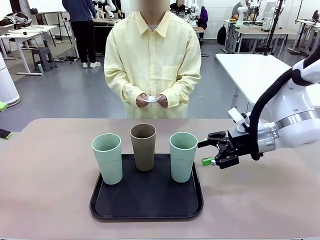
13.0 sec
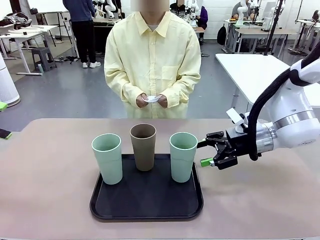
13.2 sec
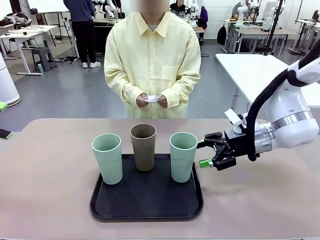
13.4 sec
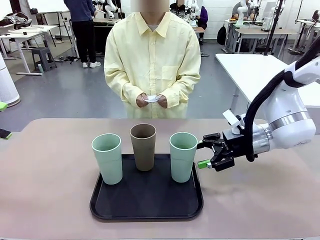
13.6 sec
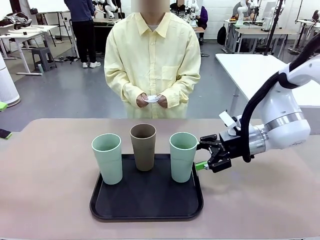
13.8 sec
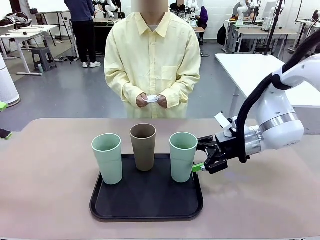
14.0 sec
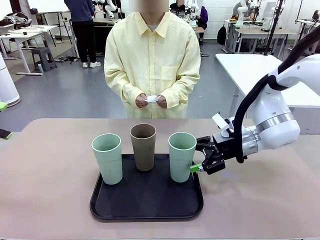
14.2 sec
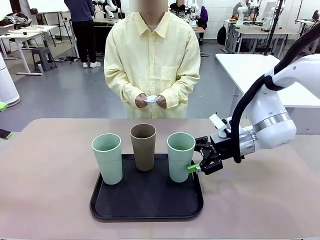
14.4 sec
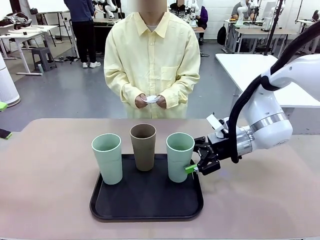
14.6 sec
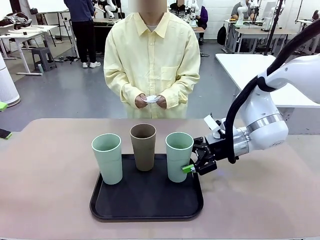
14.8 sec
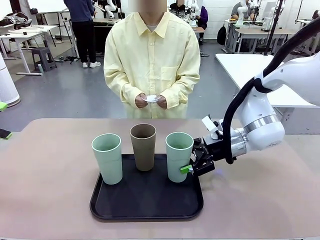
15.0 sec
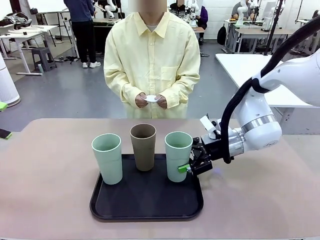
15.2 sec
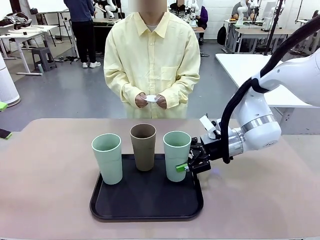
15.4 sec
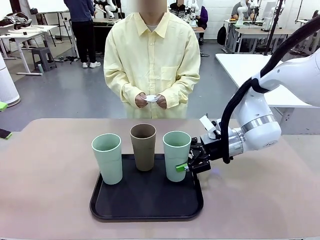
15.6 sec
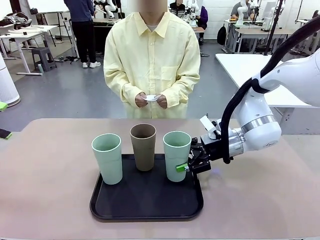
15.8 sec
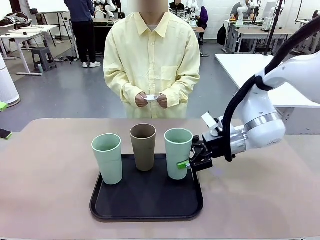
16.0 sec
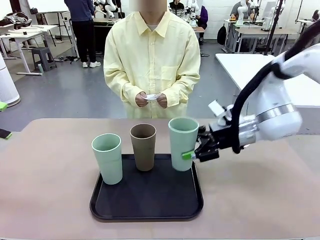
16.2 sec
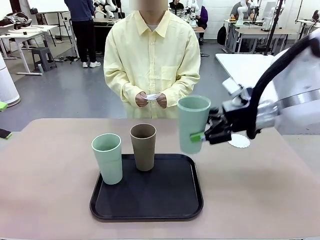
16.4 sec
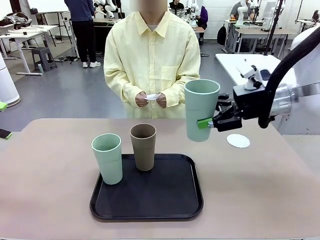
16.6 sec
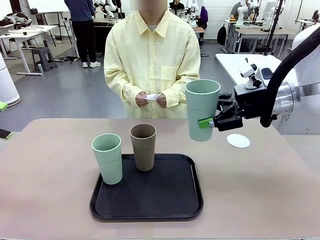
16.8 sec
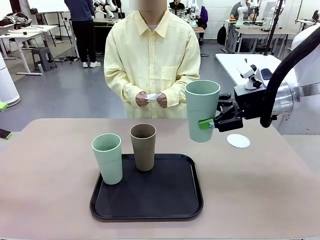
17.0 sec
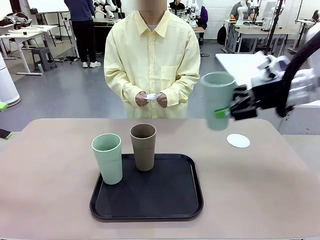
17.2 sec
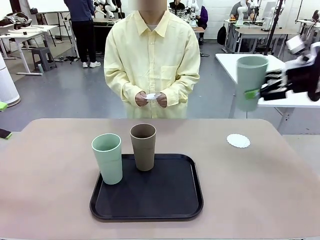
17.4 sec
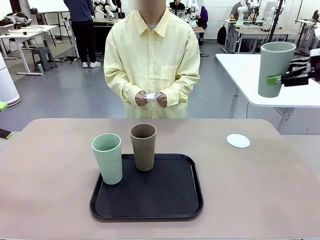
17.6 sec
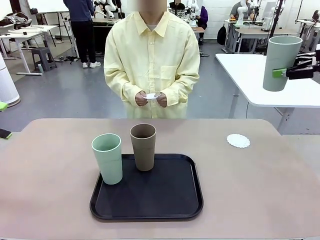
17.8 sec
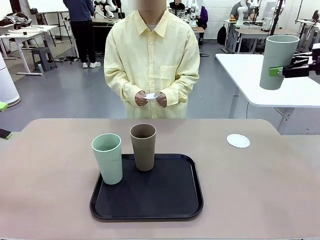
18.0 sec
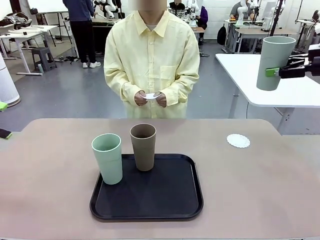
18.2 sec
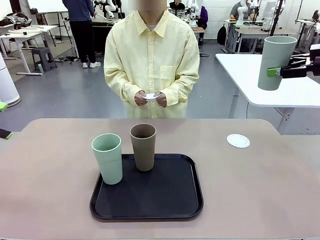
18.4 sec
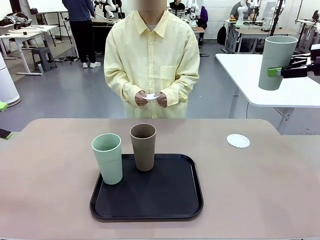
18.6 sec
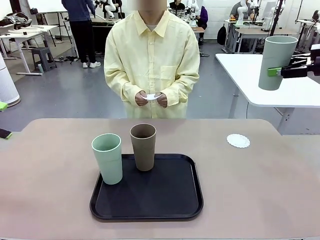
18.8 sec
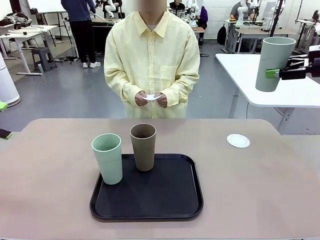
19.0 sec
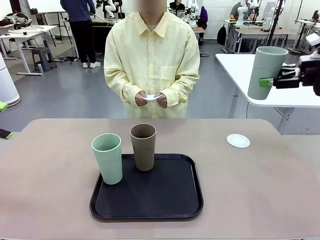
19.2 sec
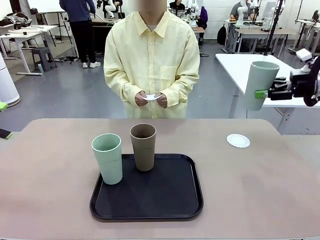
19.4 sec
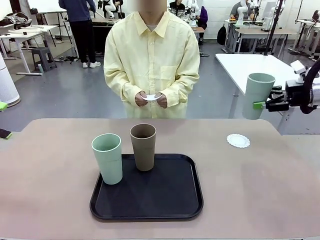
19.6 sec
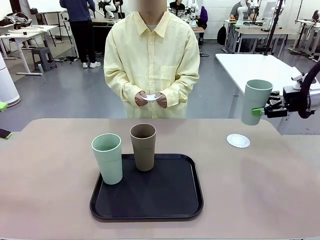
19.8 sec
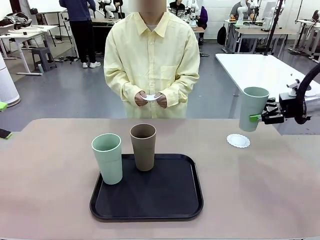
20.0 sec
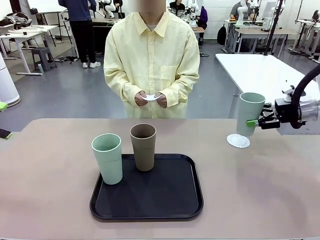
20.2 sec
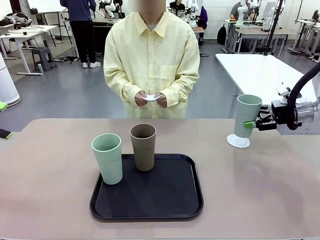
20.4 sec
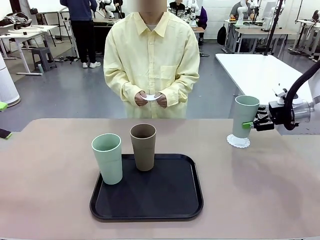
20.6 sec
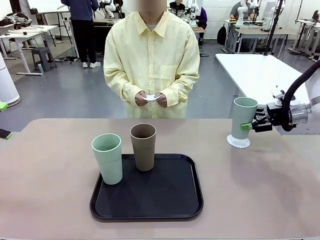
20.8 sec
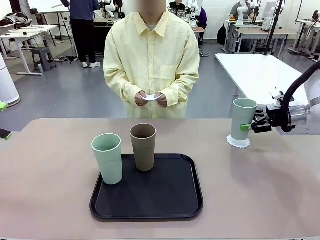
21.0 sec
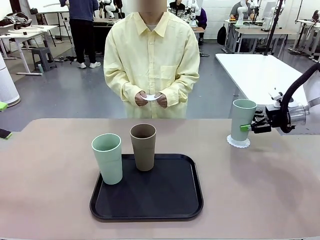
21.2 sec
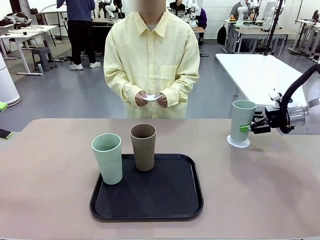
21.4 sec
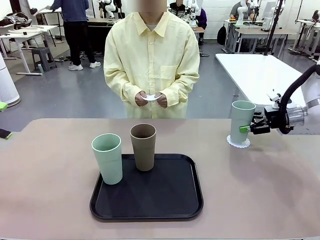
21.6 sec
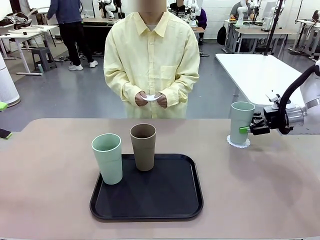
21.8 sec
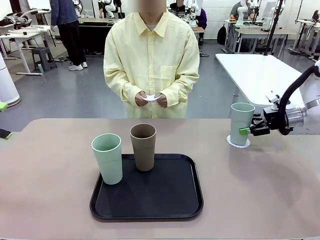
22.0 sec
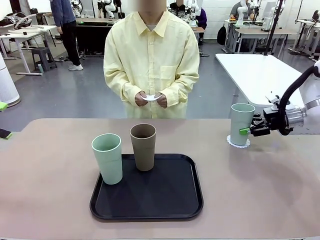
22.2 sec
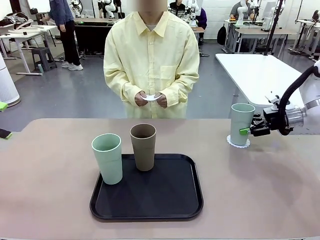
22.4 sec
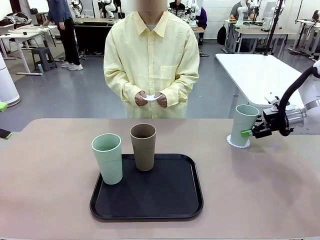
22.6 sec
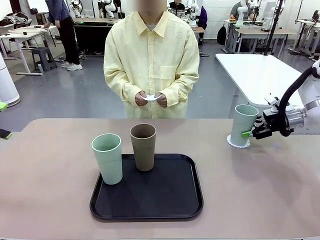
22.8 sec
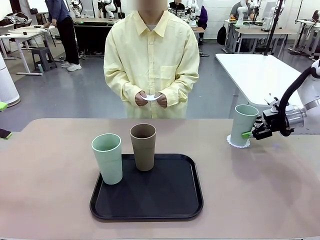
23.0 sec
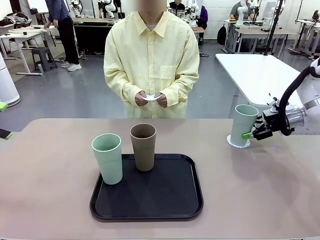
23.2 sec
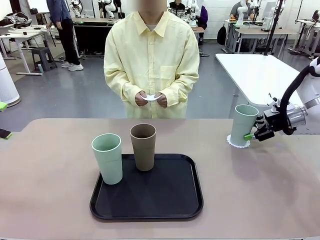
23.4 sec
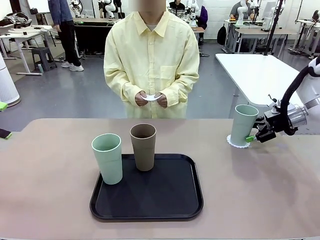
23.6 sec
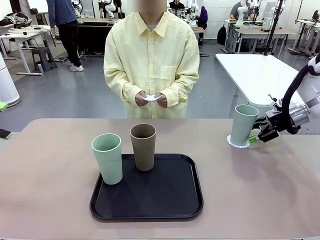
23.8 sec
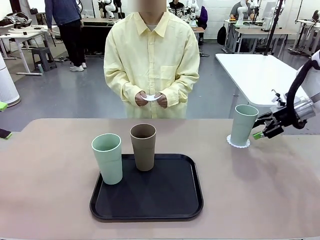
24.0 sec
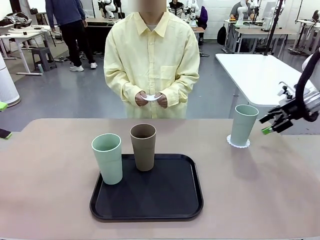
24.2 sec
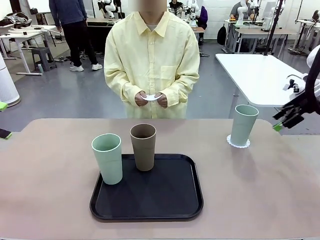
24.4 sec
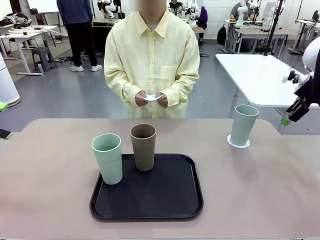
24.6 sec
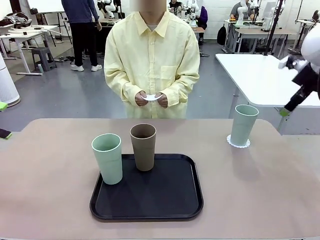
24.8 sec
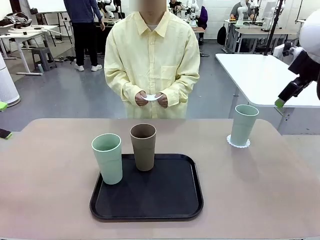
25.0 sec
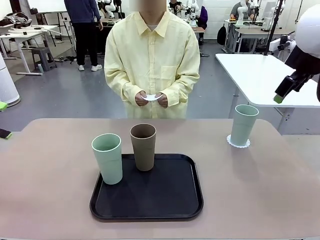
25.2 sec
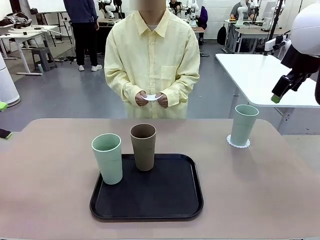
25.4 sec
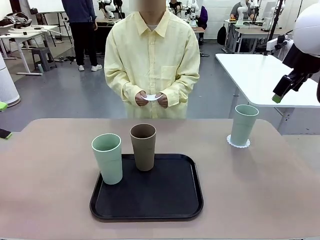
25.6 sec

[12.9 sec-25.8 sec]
Task: Place coasters on the table and set cups on them.
Robot: Pick up one Reusable plastic cup and place it on a coaster set by the human.
Person: Place one coaster in one of the two areas excluding the previously selected area.
